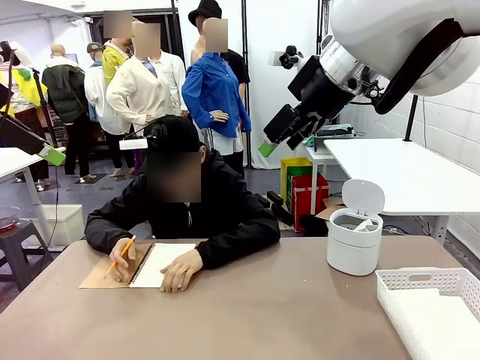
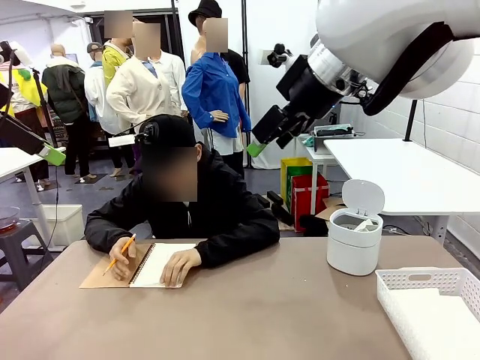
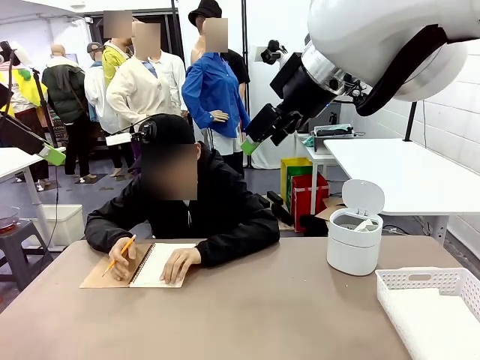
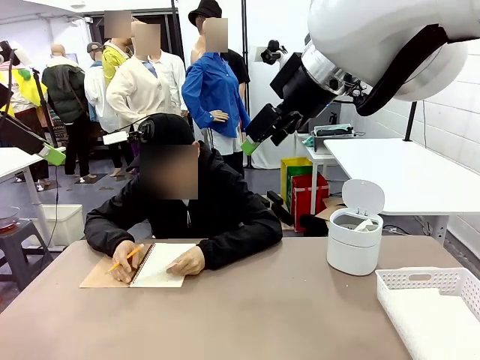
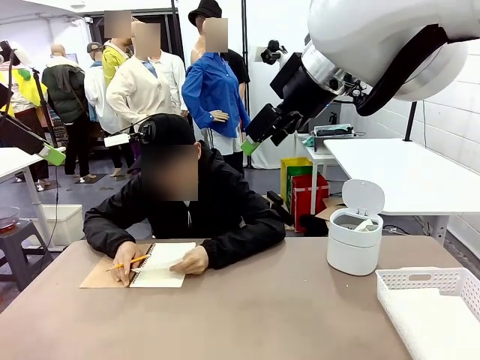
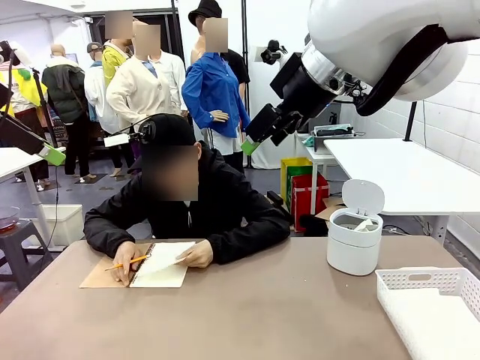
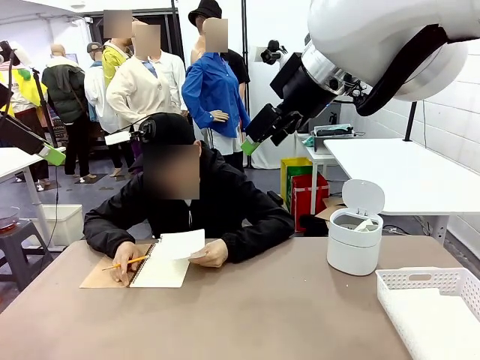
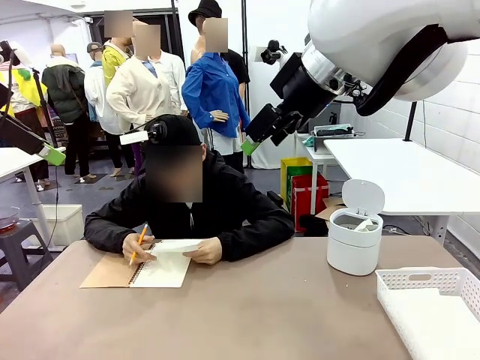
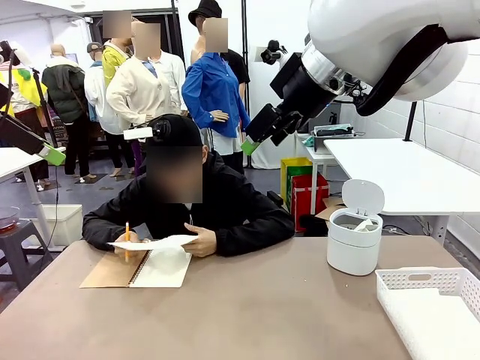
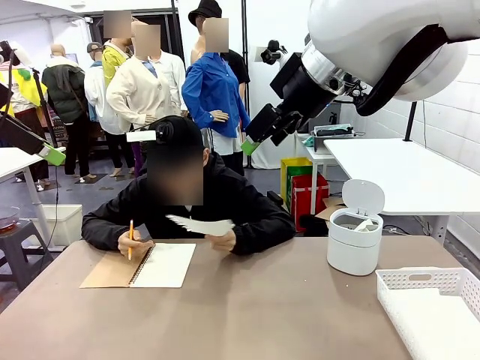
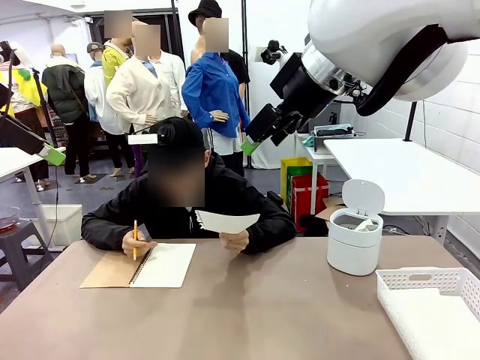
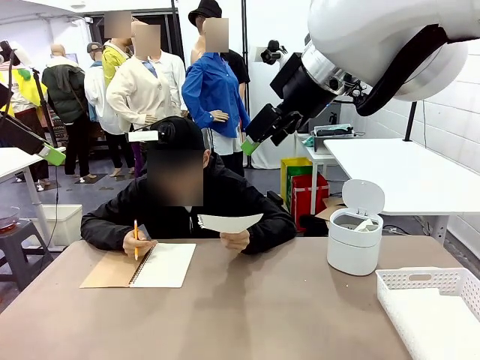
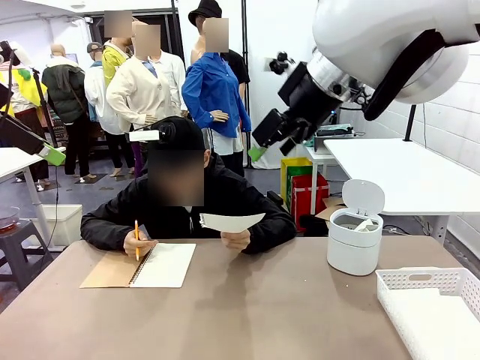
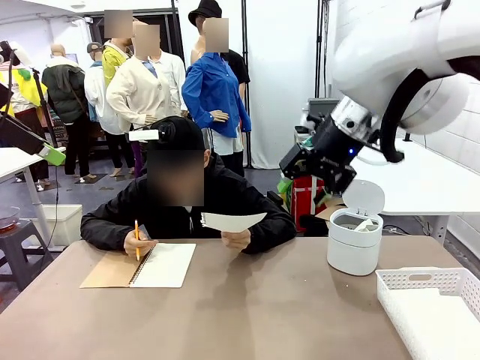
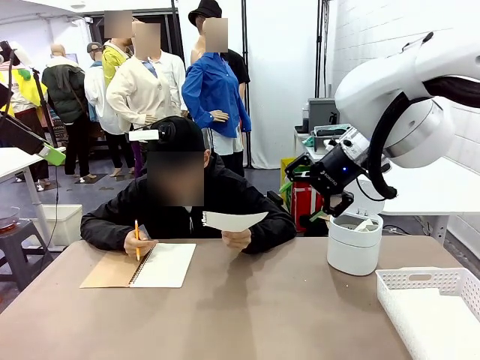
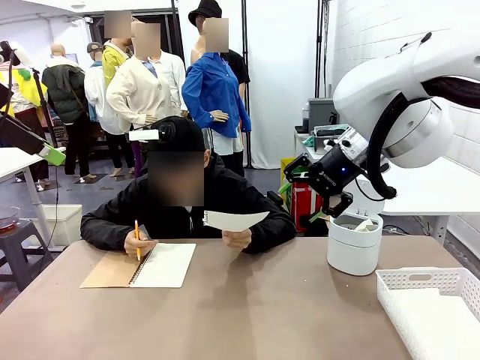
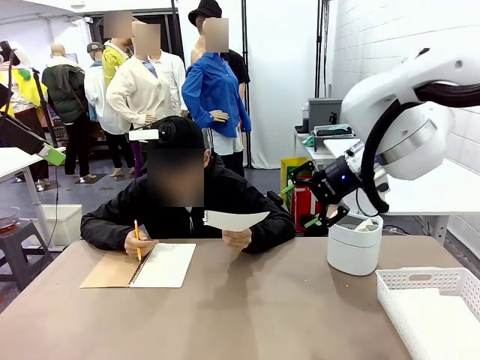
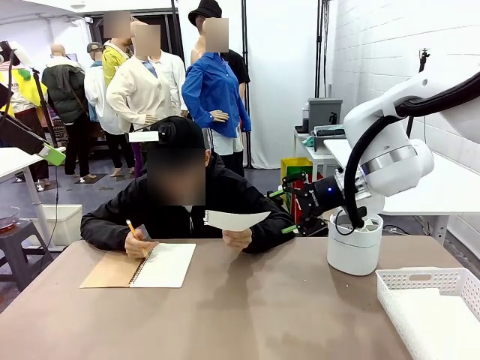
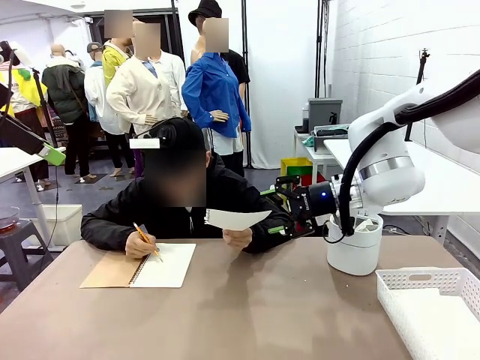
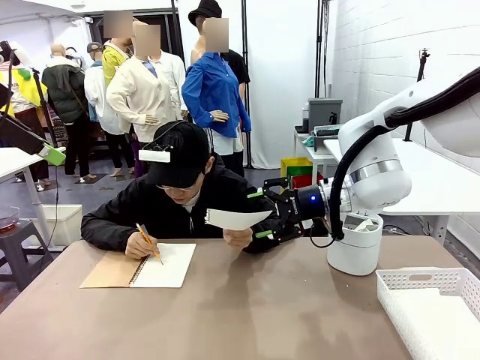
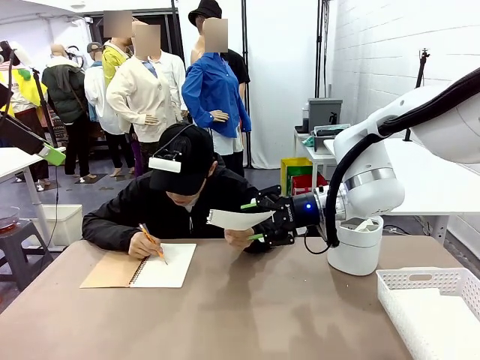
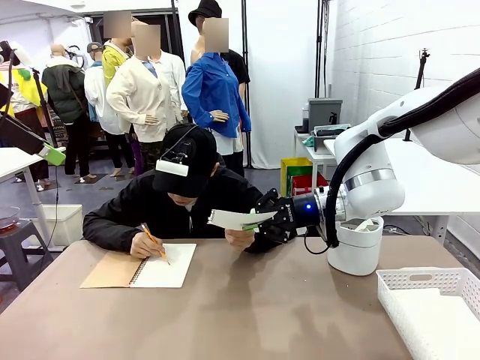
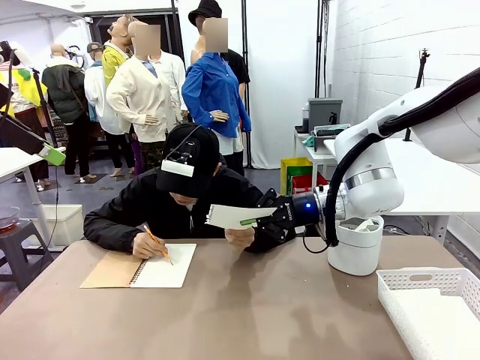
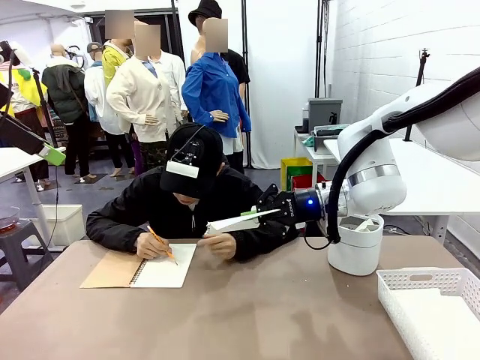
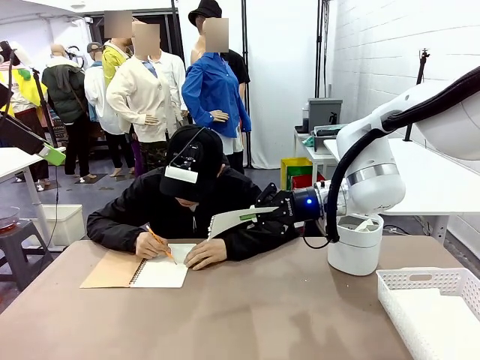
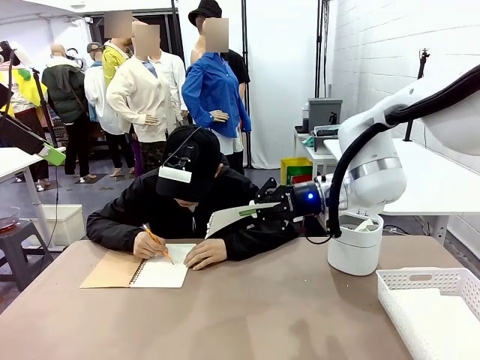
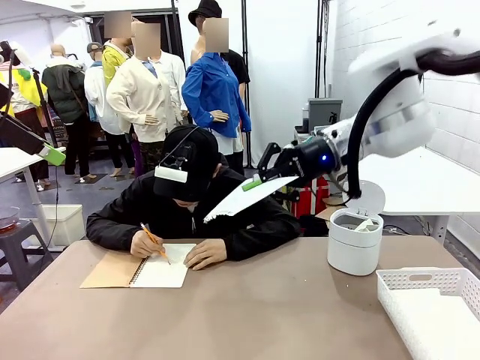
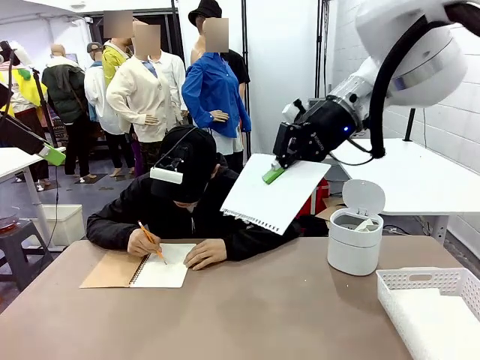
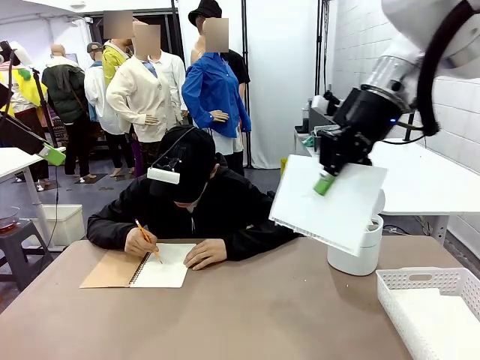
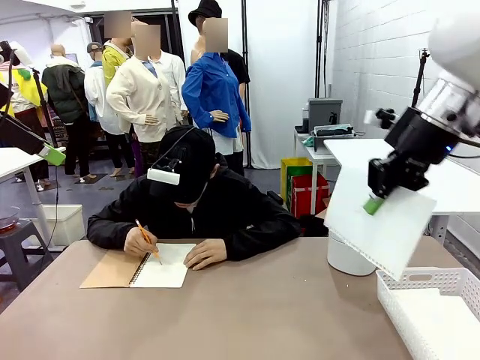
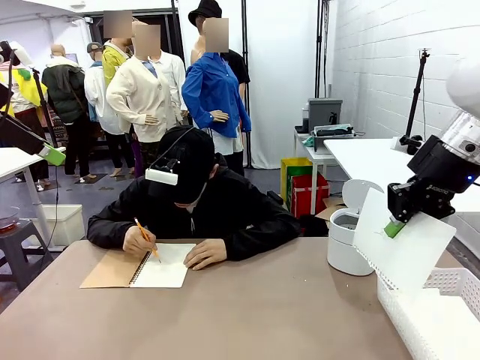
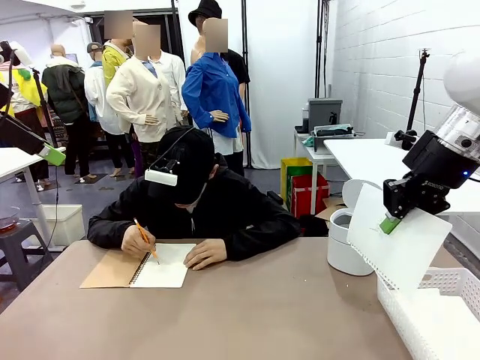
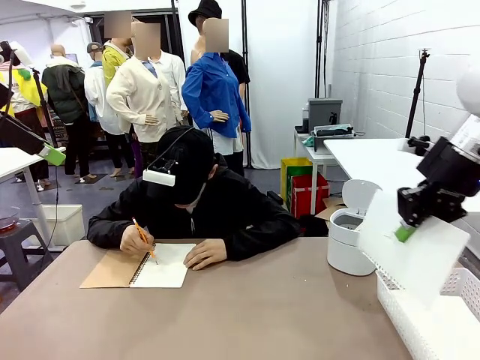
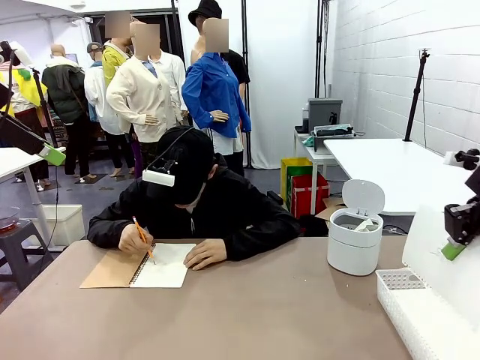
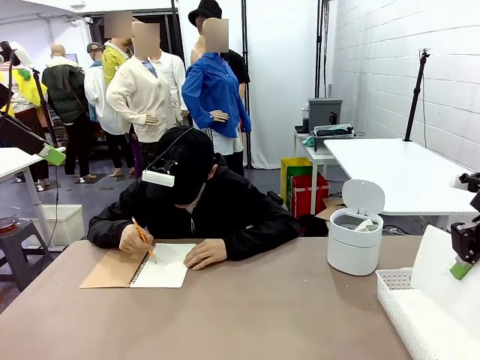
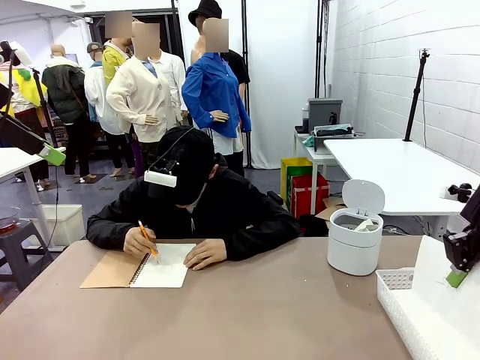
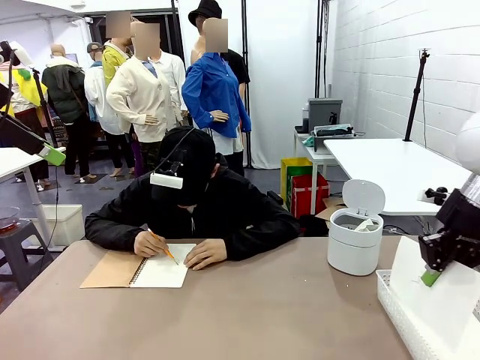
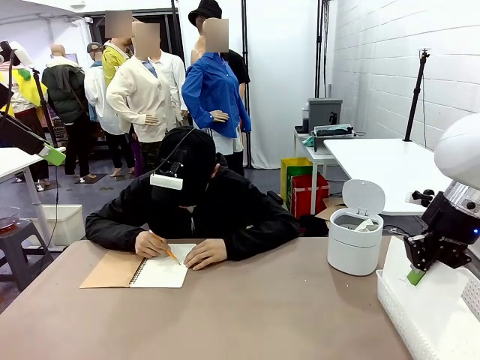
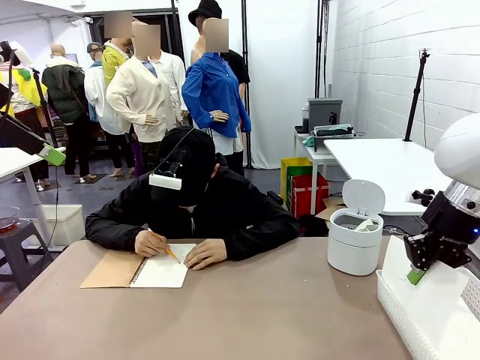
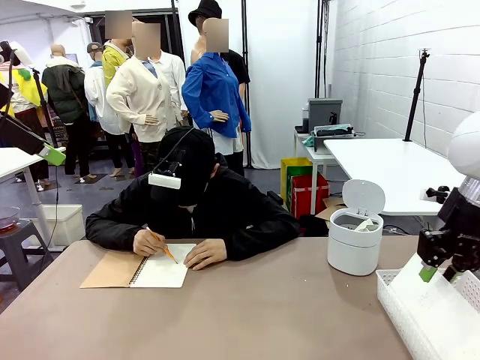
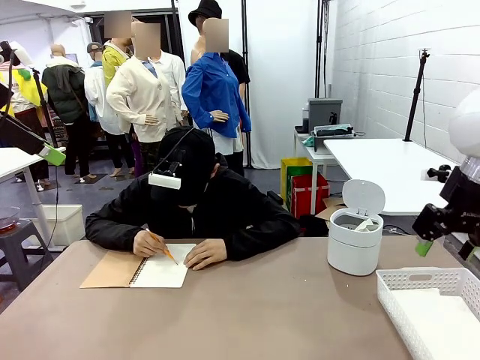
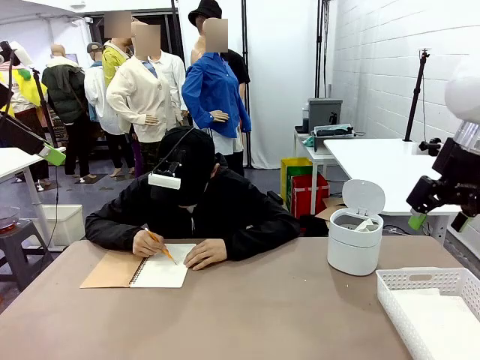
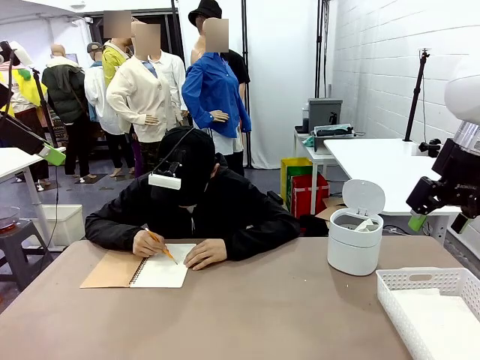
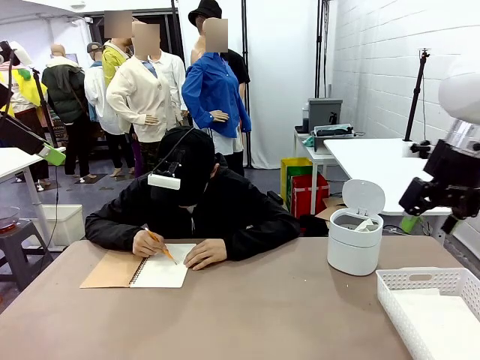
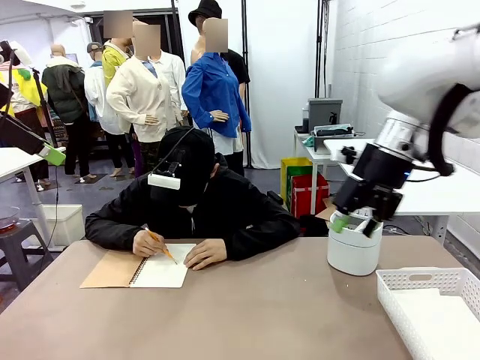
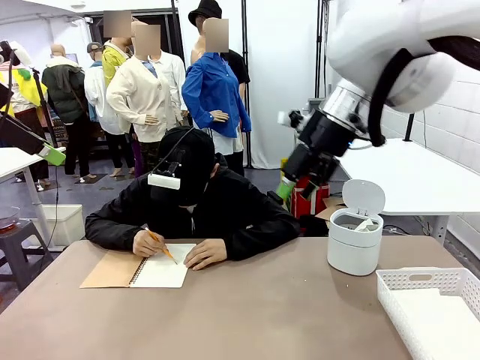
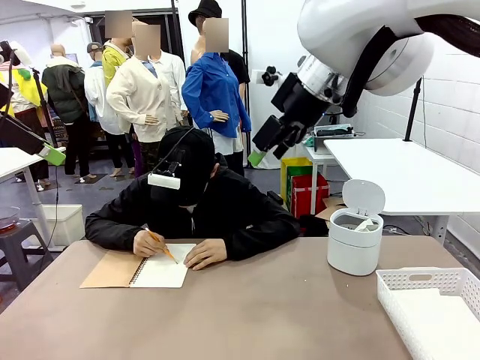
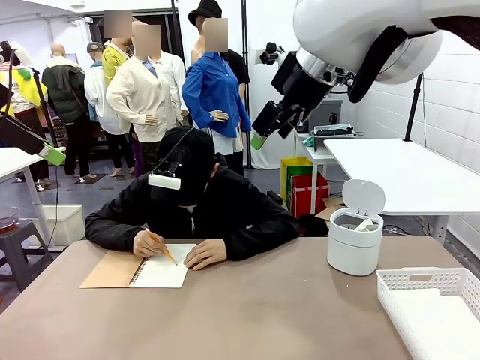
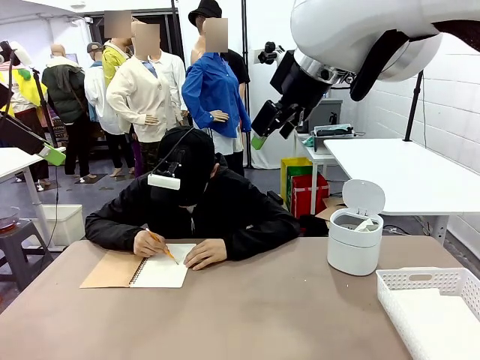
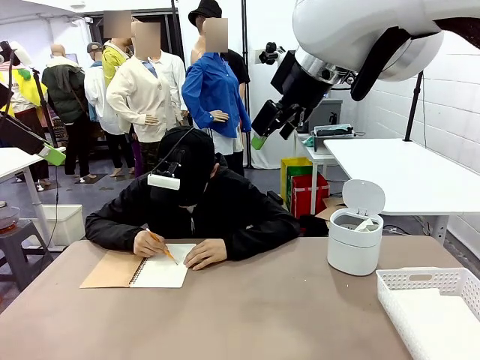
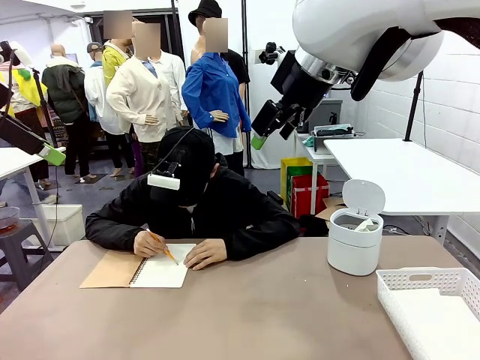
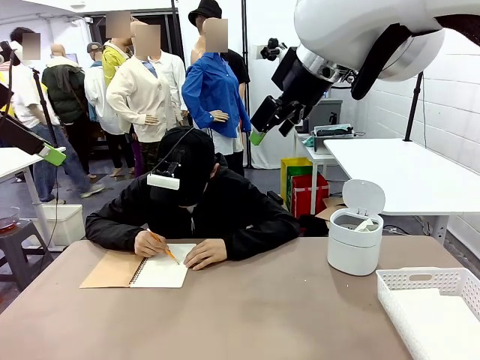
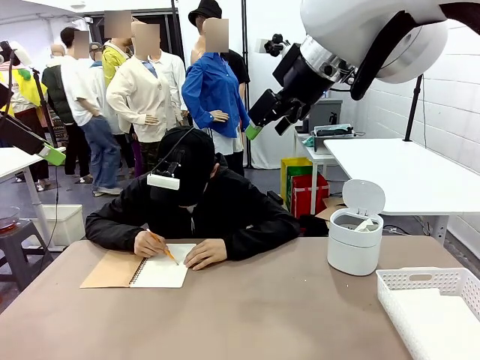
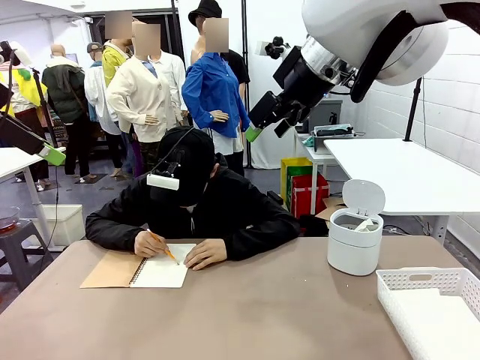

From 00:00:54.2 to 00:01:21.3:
Task: Sort the paper based on its condition.
Robot: If a person hands you a paper, place it in the Organizing basket , and if it's crumpled, put it in the Trash can.
Person: Hand the torn page to the robot or crumple it and throw it to the center of the table.
